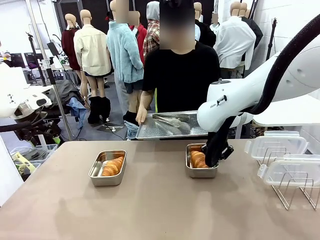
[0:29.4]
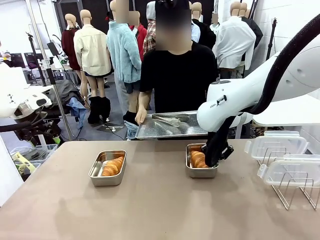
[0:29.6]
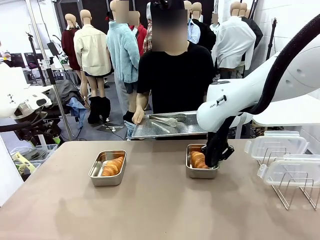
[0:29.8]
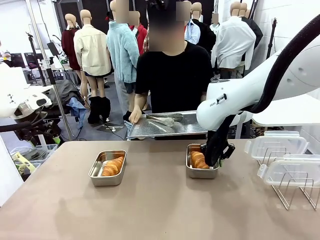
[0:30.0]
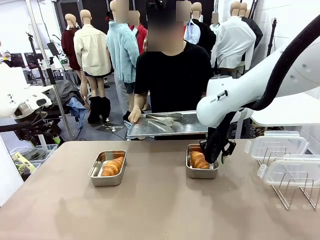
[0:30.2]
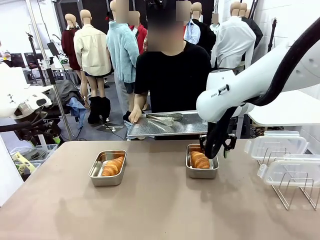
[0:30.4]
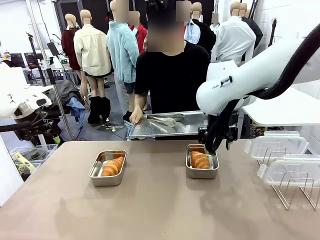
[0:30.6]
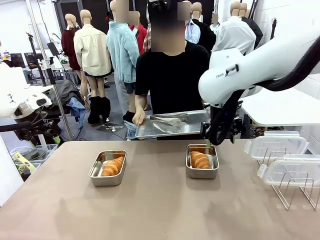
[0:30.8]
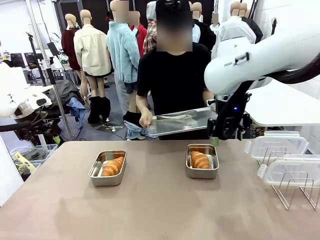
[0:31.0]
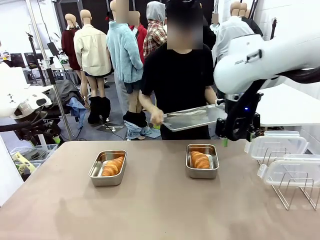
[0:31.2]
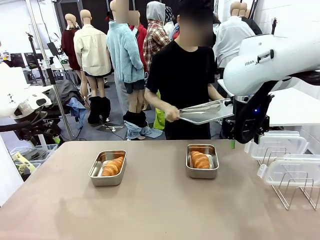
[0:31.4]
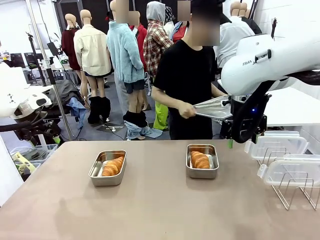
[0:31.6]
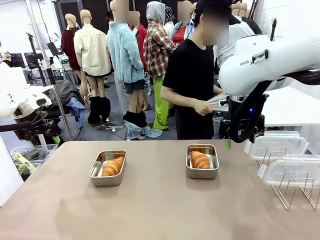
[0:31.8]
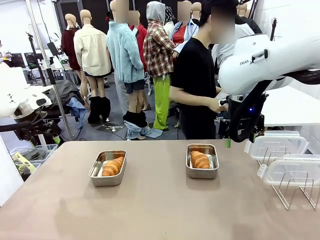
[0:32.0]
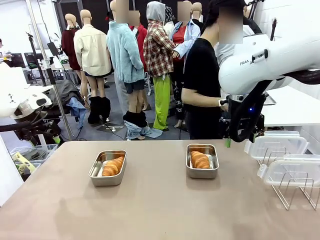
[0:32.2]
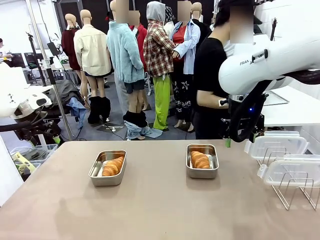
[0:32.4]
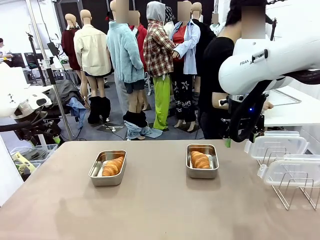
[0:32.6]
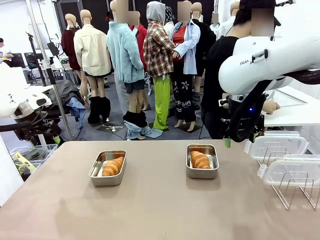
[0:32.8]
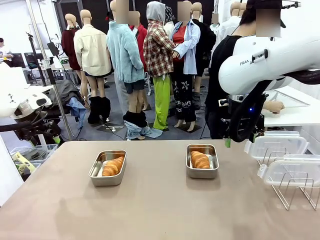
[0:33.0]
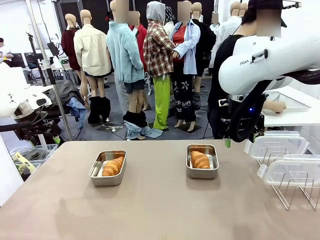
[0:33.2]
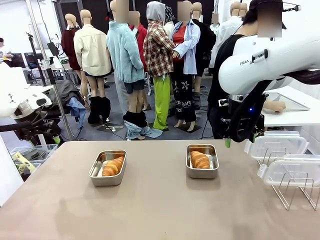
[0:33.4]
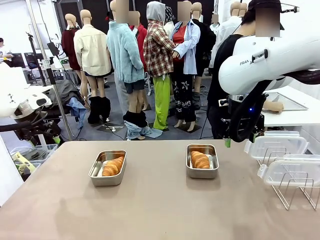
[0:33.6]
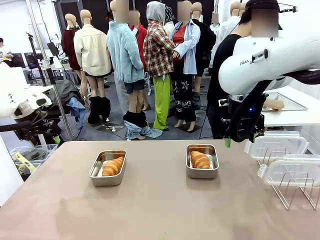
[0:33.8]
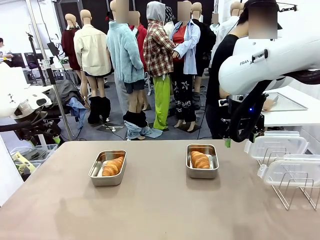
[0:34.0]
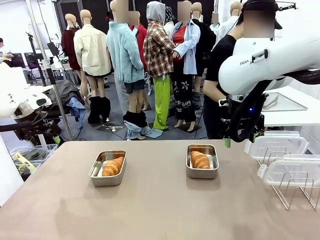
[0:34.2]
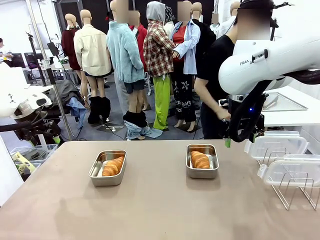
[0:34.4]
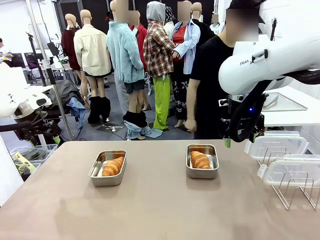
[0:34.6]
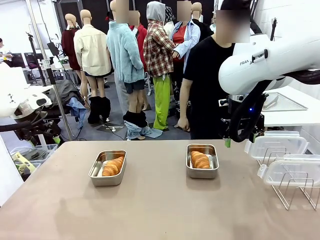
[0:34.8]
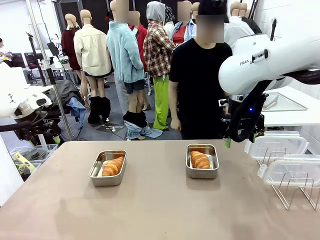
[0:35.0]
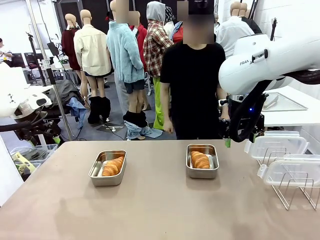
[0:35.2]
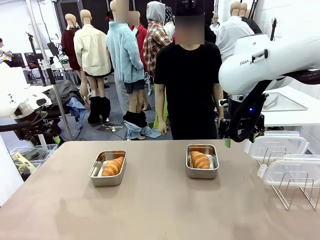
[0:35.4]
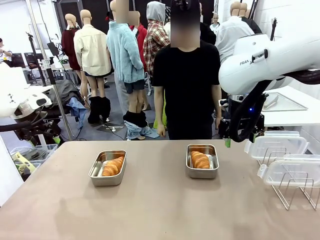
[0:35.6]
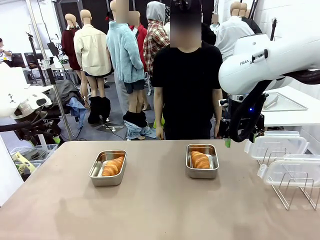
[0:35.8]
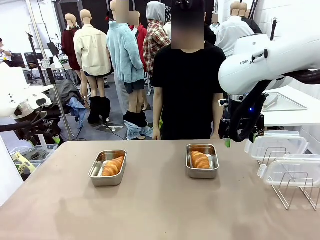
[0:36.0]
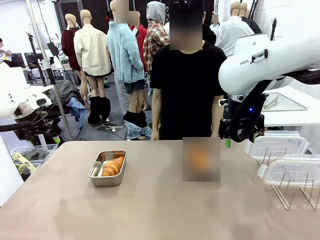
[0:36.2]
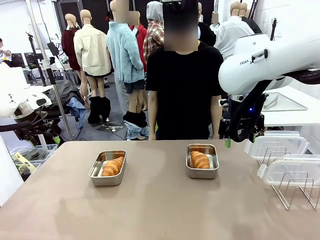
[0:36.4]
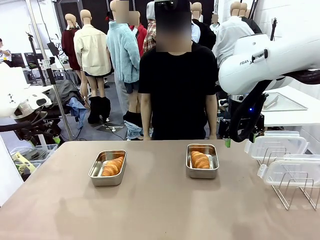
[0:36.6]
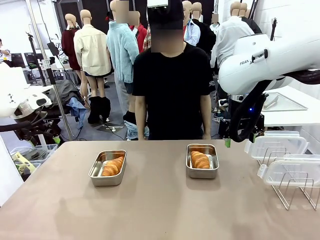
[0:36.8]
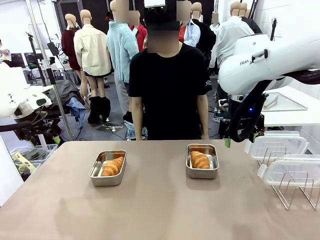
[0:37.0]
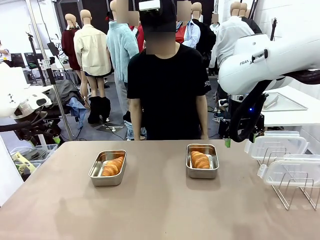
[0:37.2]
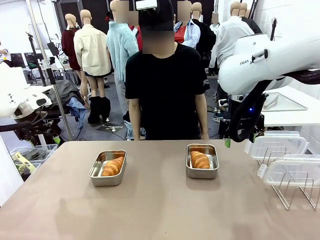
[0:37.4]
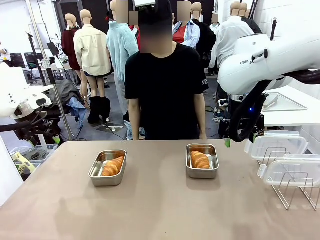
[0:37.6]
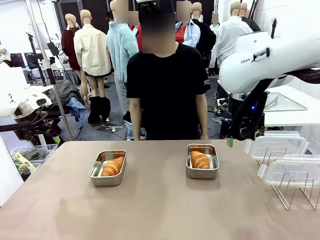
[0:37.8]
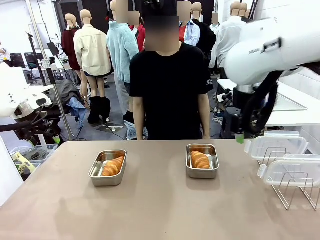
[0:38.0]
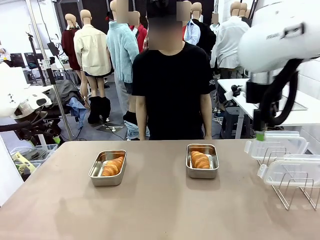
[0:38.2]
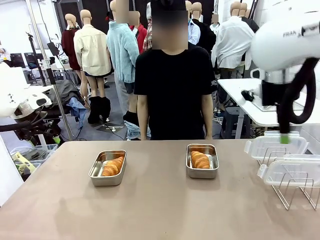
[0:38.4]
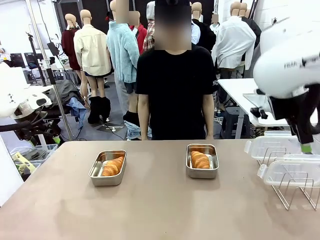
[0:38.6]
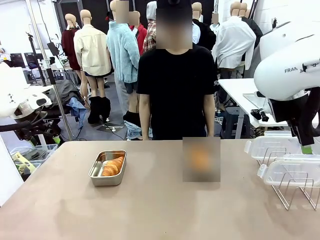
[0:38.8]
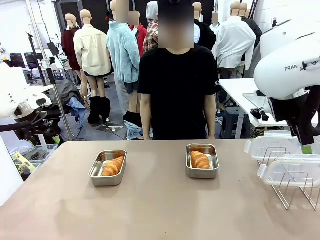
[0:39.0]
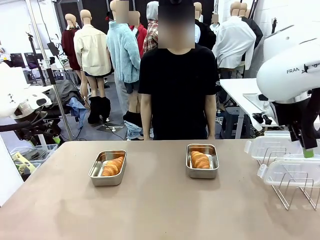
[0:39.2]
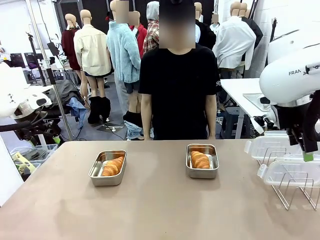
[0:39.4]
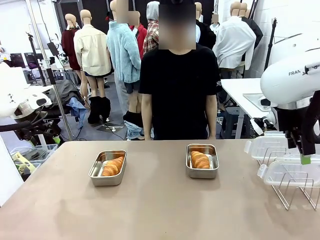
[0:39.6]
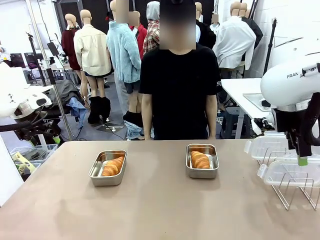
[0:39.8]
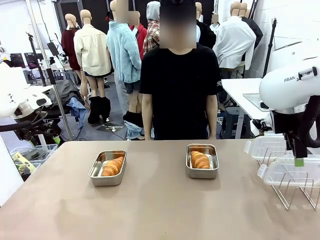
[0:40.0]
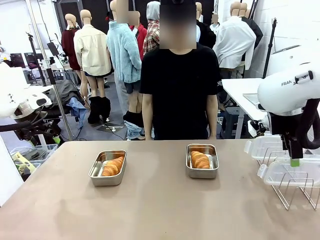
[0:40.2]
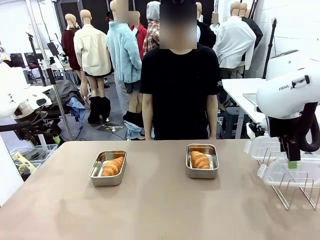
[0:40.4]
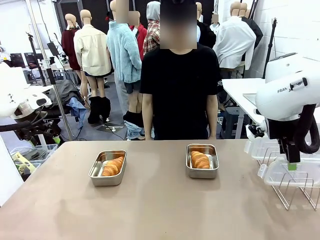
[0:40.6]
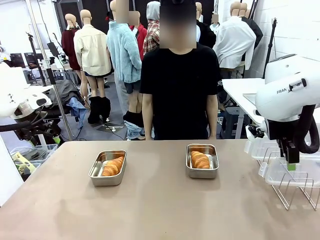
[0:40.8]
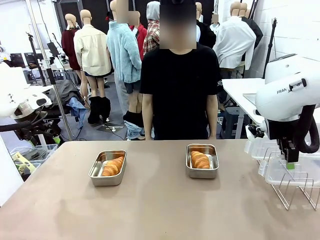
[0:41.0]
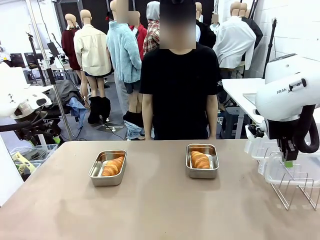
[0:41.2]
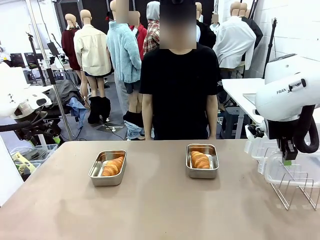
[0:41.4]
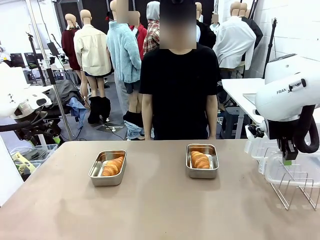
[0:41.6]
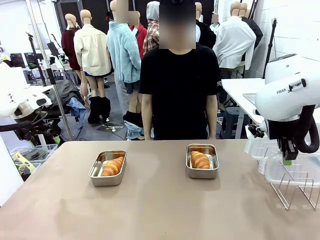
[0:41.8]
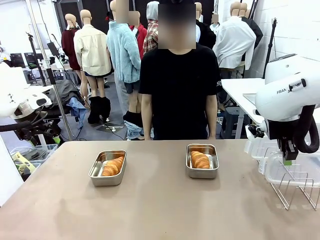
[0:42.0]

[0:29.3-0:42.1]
Task: Place the bread in airtight containers.
Robot: Pick up one Airtight Container lid and hand it to the human.
Person: Place Baking Sheet on the Human's Table.

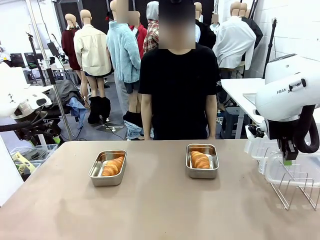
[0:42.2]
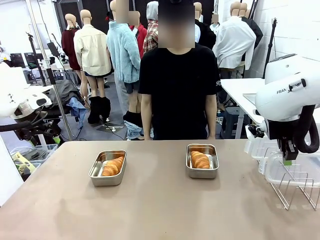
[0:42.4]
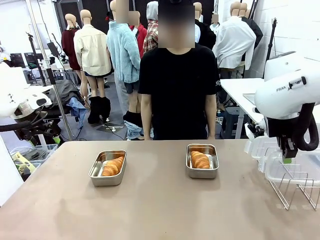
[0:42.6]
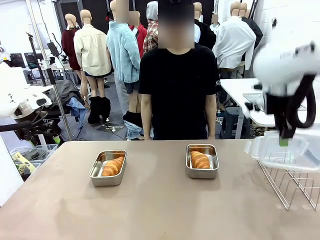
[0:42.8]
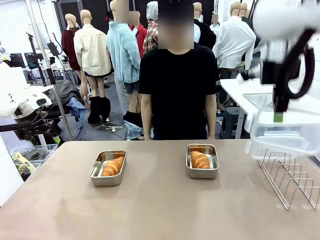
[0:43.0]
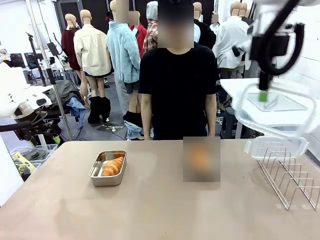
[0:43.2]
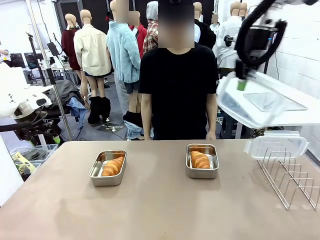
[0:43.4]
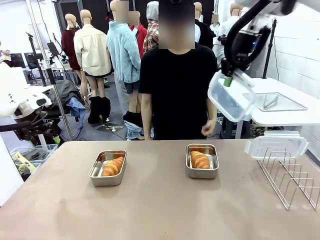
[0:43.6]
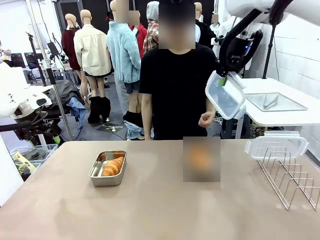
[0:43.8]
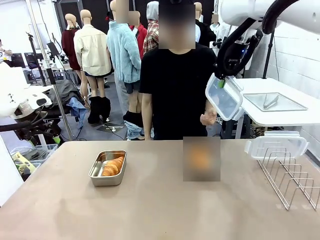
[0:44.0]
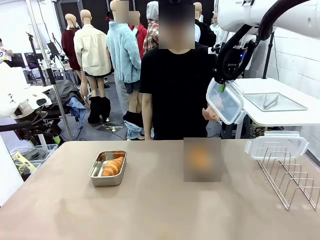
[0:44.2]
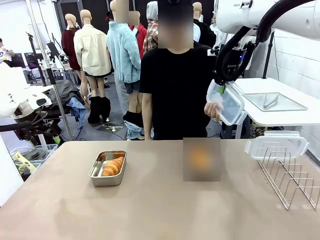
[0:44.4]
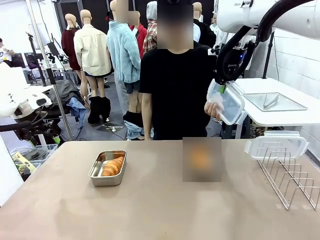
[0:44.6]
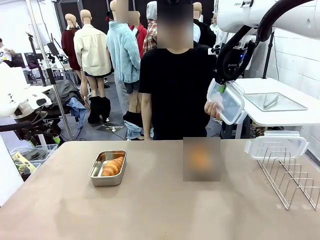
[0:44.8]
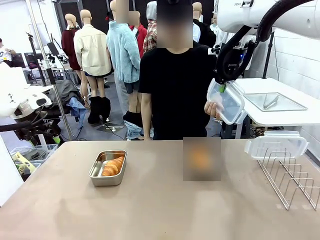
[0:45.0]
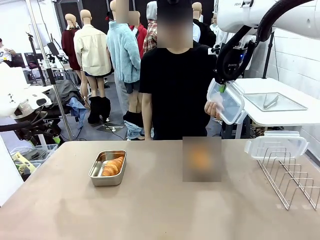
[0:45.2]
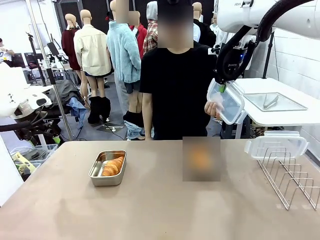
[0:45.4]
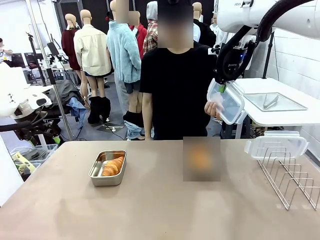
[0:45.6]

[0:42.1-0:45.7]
Robot: Release when the human grabs the Airtight Container lid.
